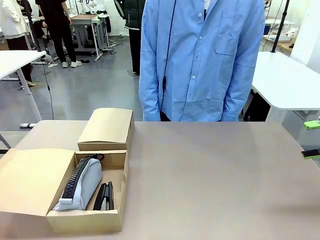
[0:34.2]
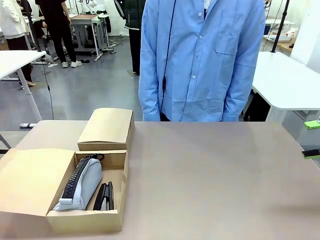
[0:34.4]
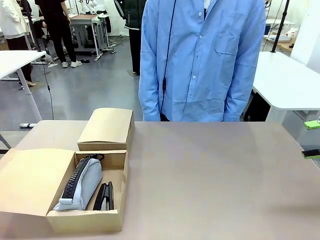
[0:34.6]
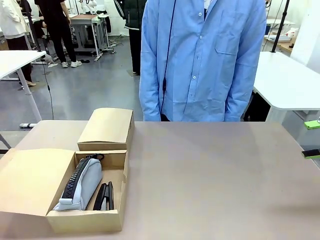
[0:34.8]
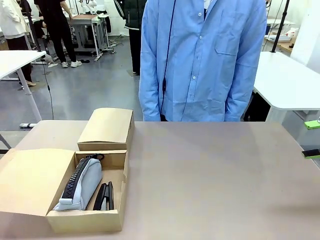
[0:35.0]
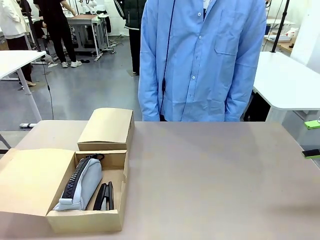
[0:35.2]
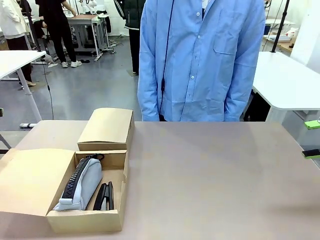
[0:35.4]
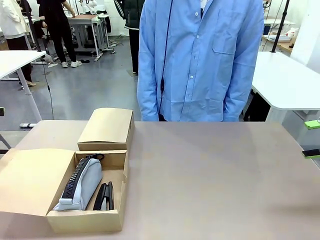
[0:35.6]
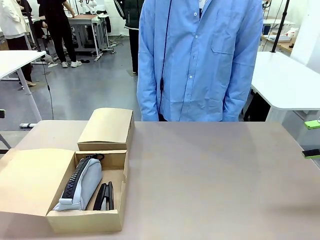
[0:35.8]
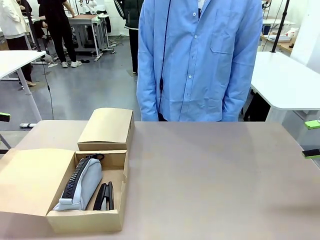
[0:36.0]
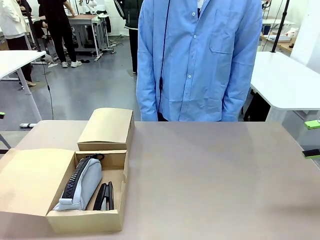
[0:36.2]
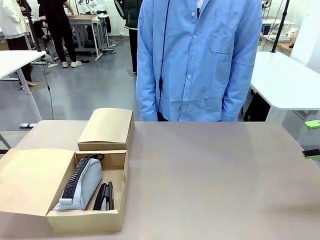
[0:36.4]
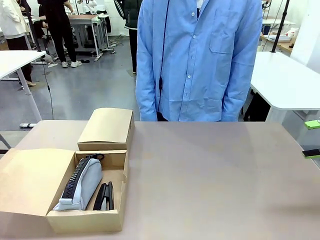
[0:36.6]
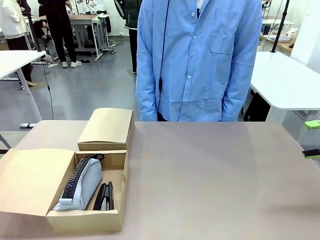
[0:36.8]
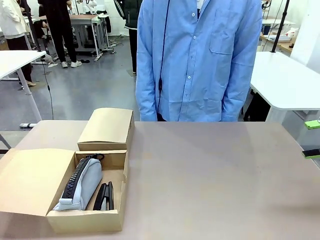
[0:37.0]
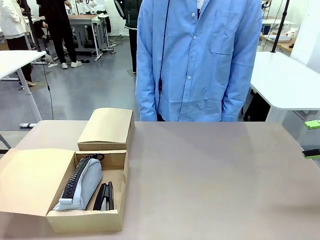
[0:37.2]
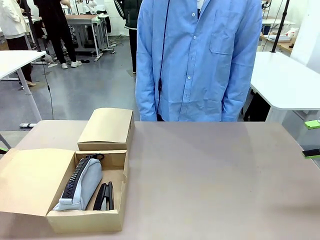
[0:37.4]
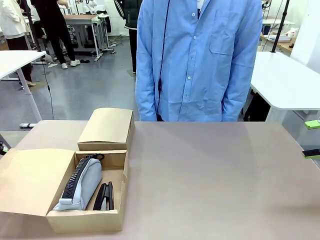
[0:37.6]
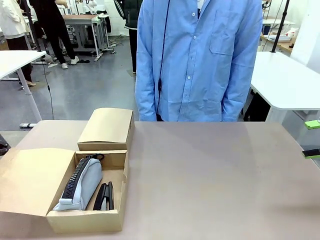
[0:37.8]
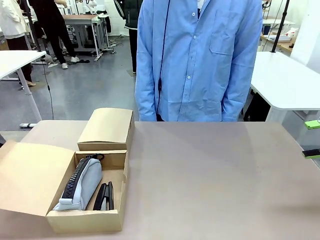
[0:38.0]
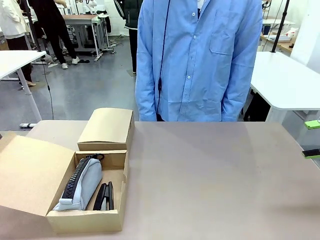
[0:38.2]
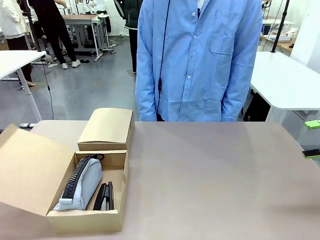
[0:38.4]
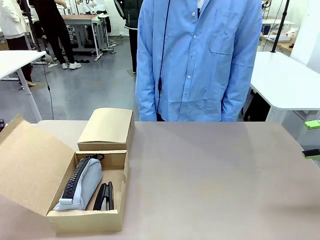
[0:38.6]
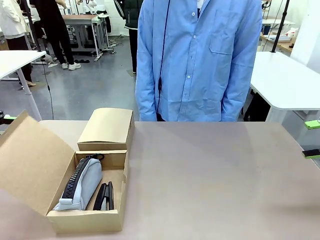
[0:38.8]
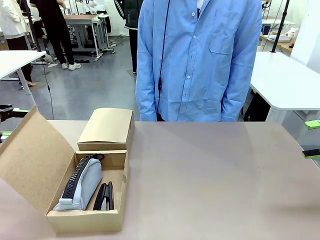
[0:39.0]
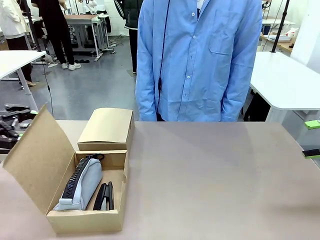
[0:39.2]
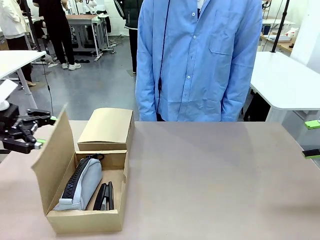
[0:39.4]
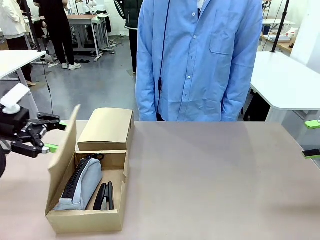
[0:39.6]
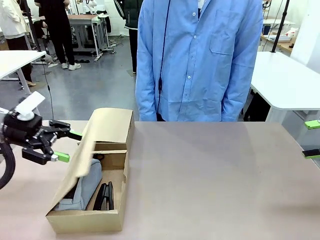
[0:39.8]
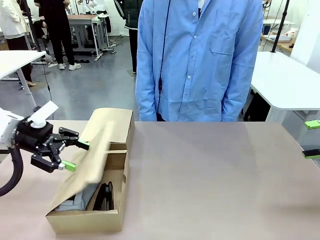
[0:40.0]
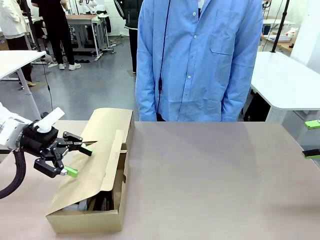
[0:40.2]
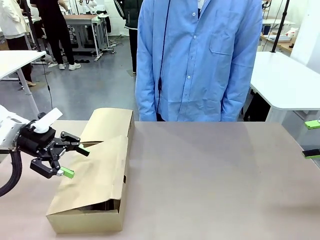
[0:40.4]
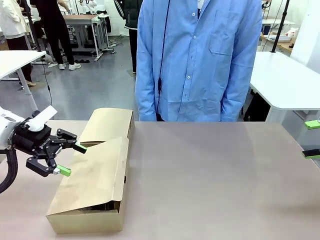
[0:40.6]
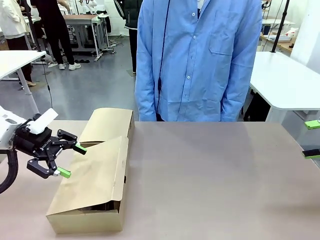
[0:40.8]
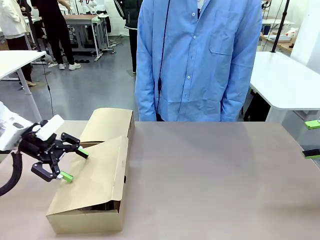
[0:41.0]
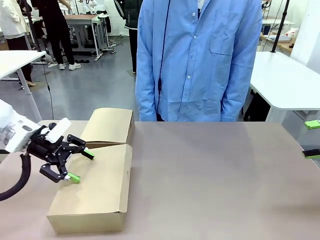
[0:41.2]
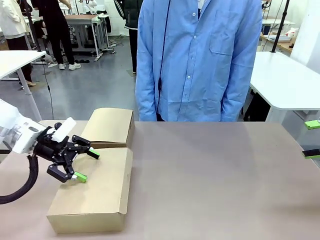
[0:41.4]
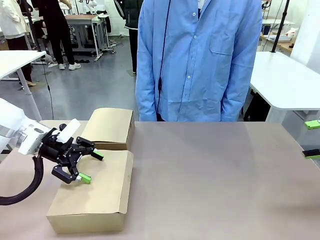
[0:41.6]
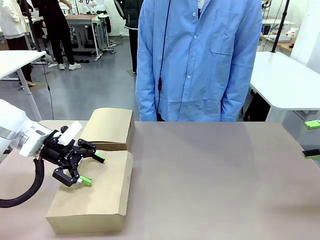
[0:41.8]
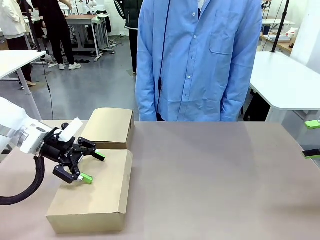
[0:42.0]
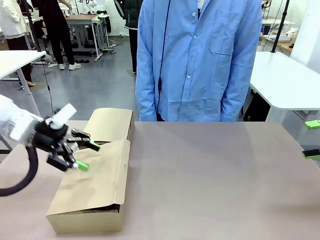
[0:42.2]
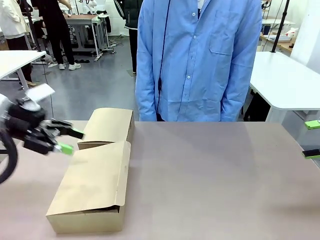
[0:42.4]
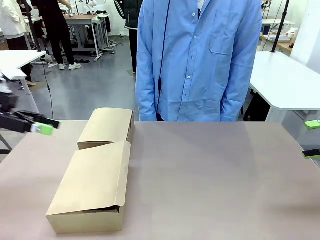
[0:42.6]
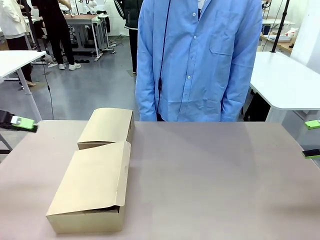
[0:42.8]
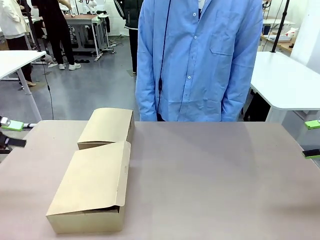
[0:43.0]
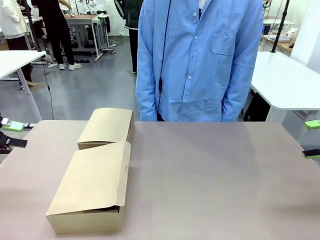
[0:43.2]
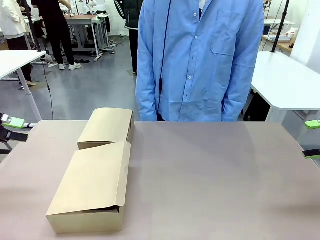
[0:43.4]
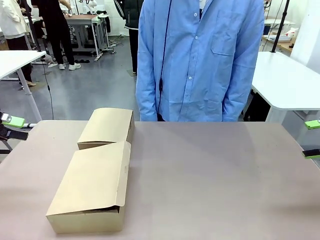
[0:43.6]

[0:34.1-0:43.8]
Task: Place items inside the box.
Robot: Close the lid of the Mailer Box closest to the robot.
Person: Close the lid of the box facing the person.

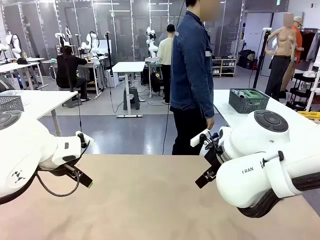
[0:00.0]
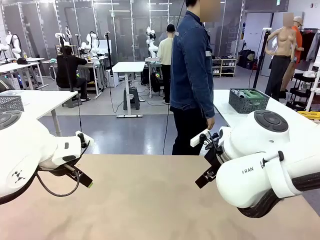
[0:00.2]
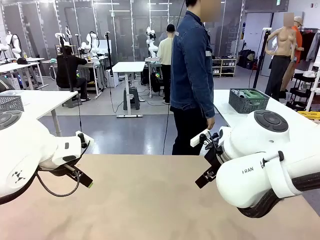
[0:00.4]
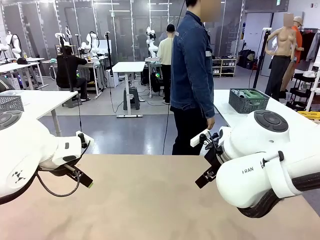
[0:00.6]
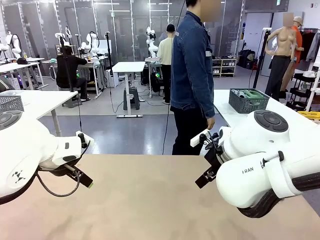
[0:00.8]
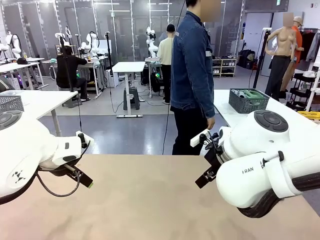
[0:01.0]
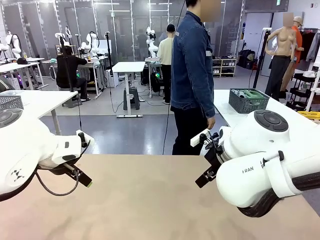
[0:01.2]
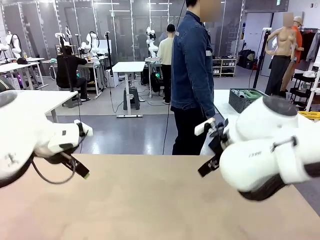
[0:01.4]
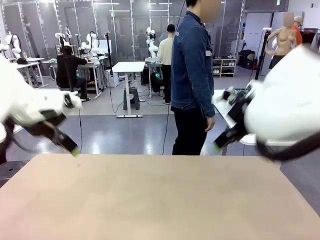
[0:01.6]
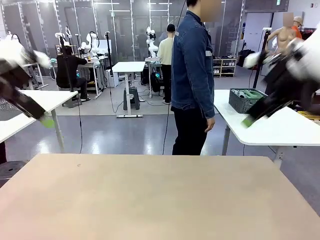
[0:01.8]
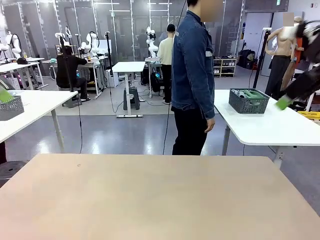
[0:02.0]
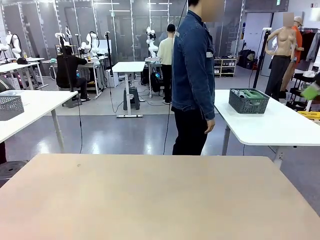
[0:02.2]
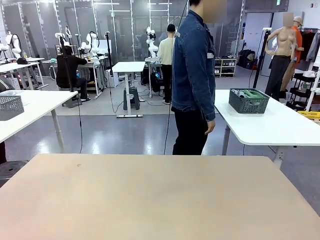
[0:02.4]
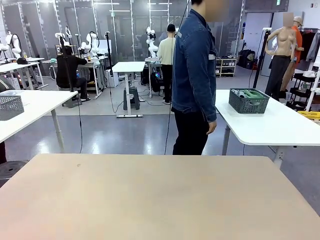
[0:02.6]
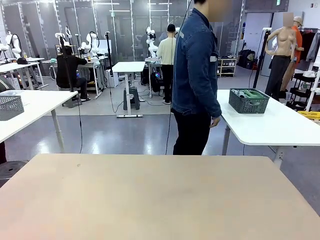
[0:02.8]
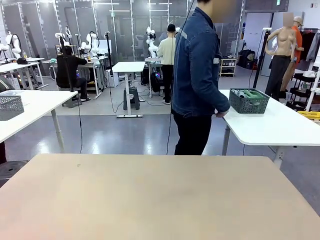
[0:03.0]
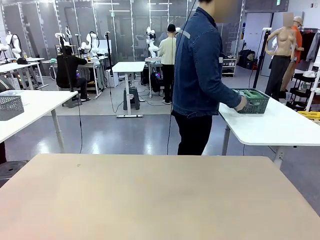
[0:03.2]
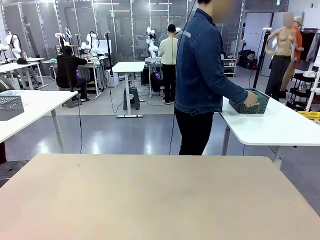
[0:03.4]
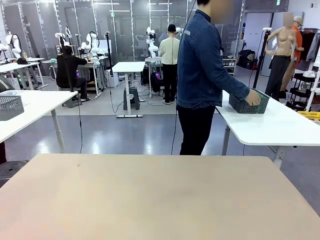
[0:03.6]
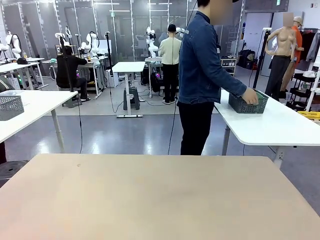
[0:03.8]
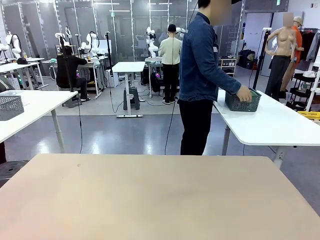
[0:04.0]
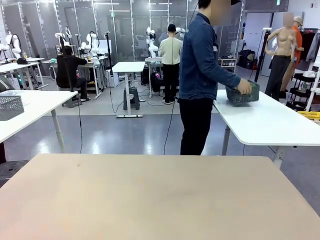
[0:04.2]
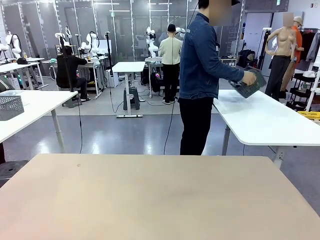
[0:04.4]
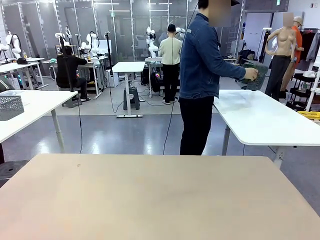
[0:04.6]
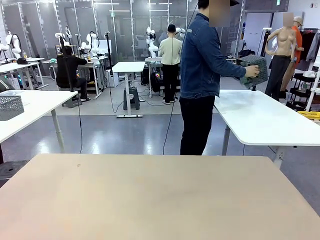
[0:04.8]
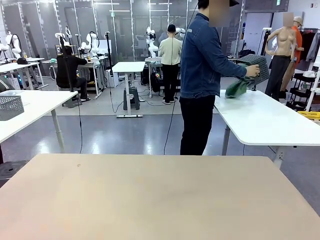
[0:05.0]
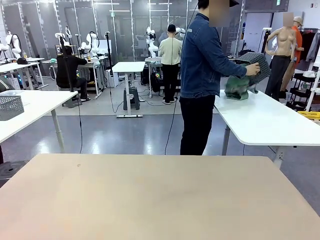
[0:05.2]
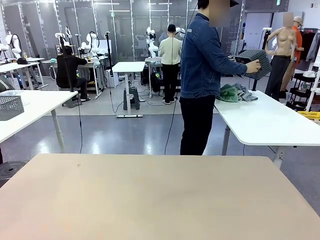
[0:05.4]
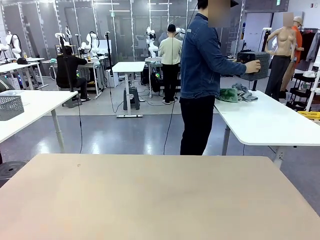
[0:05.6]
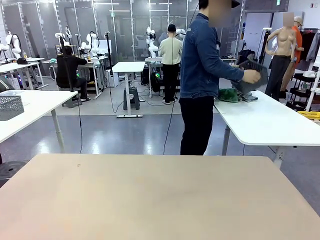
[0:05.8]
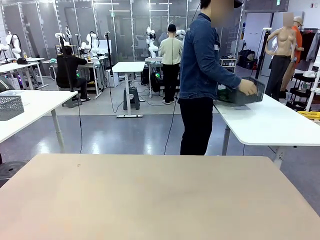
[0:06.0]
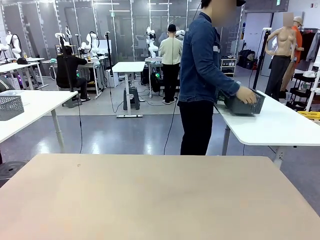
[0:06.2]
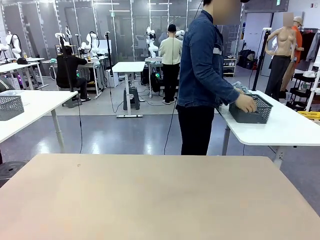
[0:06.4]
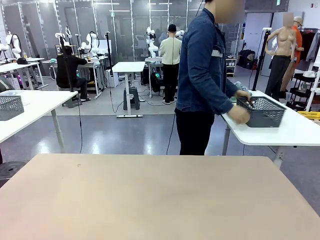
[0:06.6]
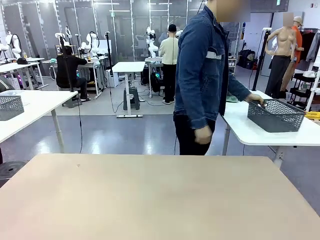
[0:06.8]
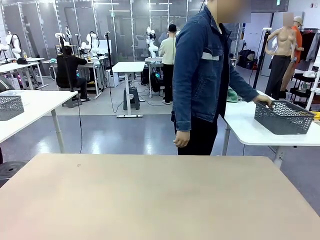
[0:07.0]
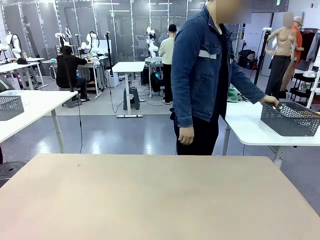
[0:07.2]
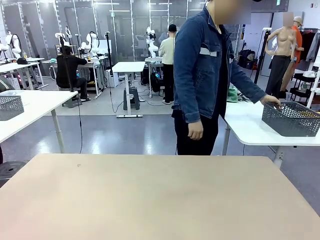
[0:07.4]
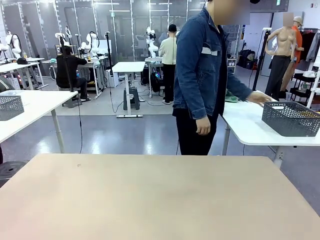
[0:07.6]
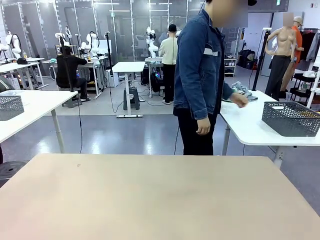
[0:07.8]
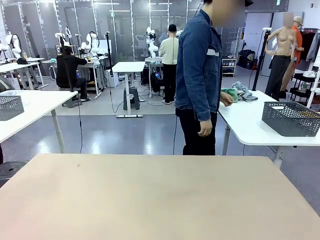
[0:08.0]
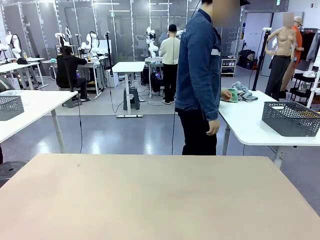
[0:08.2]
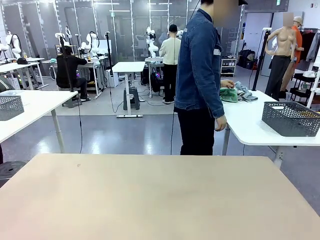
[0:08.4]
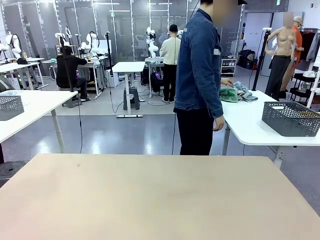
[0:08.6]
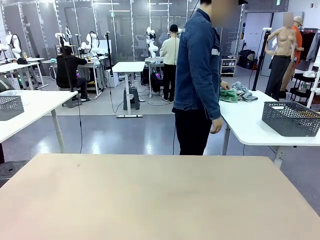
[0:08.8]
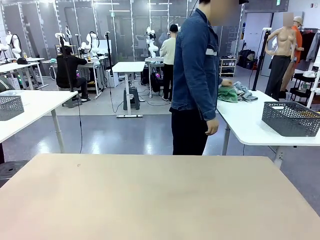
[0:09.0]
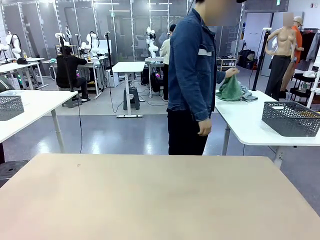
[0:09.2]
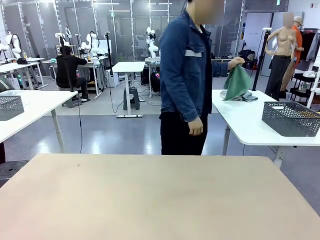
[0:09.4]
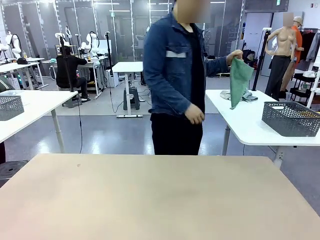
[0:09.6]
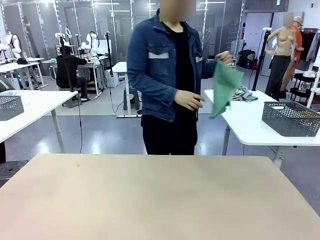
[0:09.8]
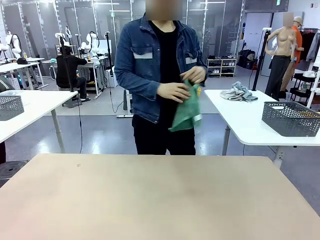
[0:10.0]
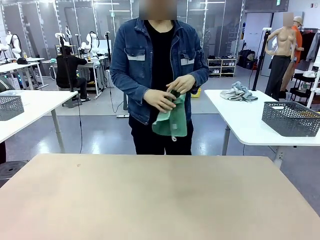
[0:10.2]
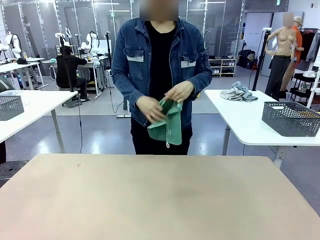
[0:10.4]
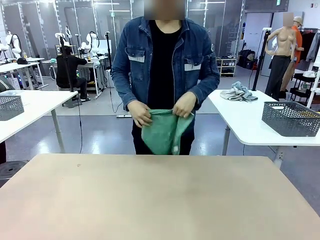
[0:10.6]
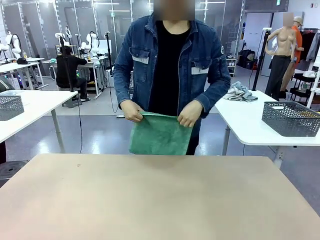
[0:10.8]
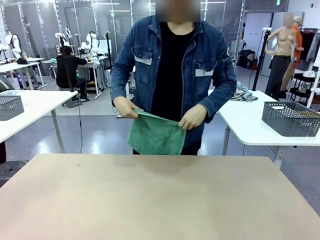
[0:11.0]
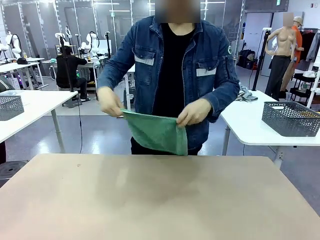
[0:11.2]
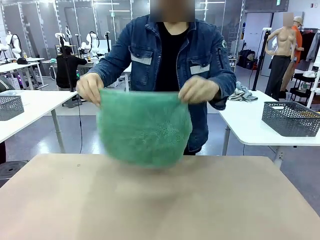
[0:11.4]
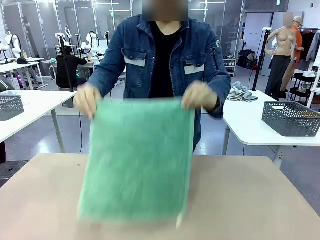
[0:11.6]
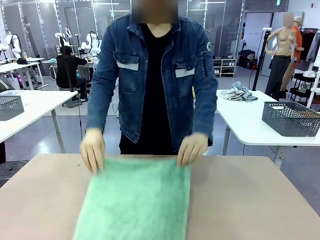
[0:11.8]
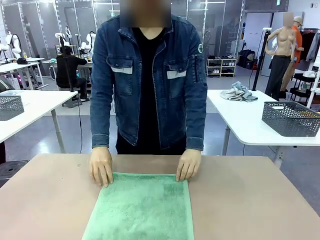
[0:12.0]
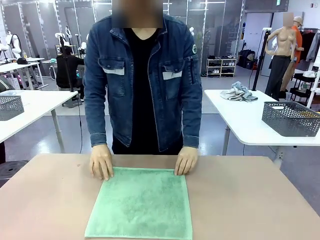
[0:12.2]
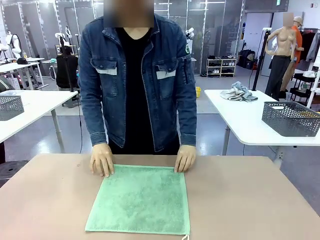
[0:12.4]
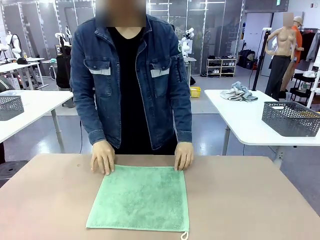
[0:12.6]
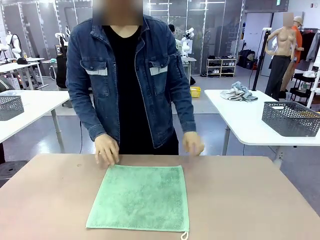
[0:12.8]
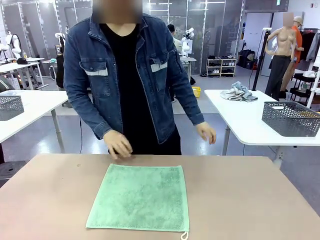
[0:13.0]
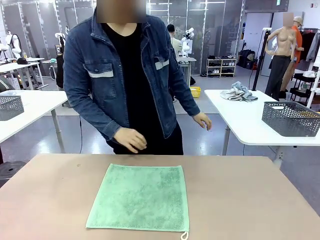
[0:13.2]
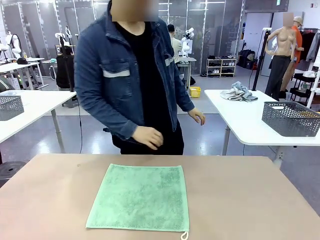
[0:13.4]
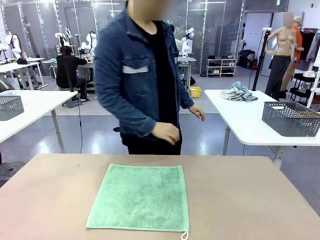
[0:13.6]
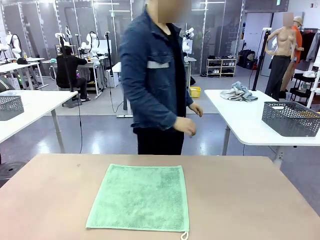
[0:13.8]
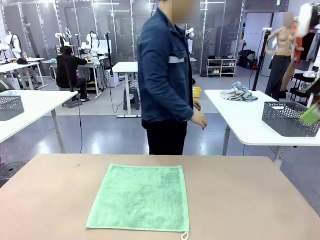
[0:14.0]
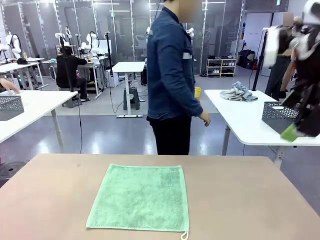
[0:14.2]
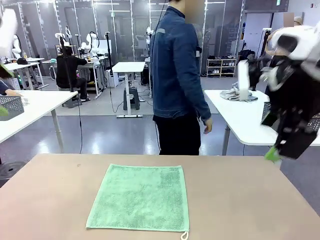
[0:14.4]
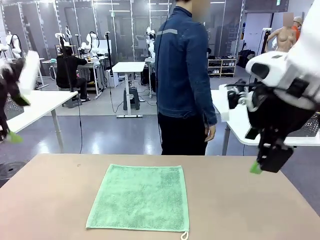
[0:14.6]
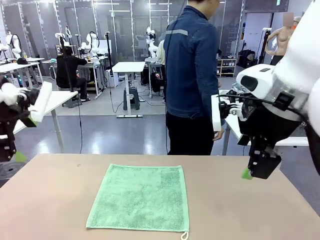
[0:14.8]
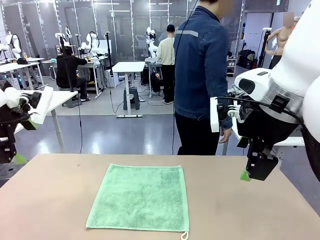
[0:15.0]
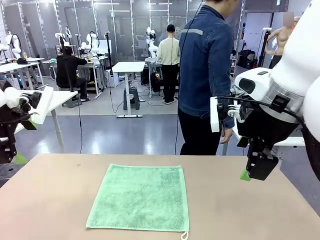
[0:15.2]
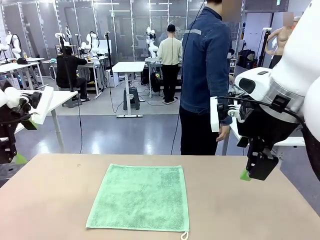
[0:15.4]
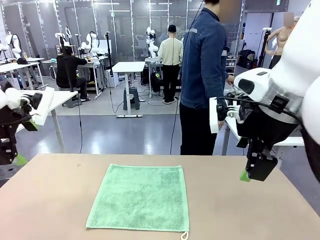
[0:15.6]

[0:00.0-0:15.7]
Task: Fold the towels and place them in the basket.
Robot: When a person lays out a Towel with hook on the table, fold it in half twice.
Person: Pick up the basket, pour the towels onto the left side of the human table, and place the basket on the right side. Pick up one towel and spread it out at the center of the robot table.
